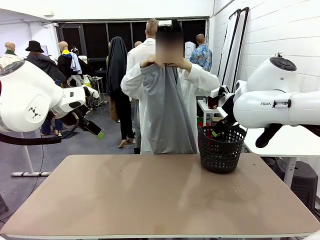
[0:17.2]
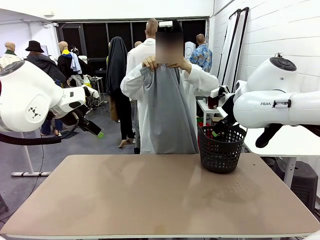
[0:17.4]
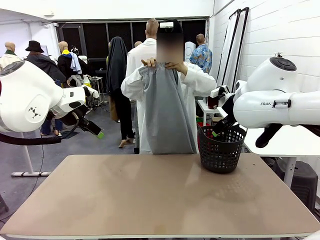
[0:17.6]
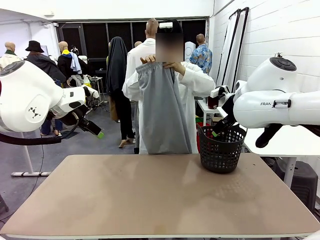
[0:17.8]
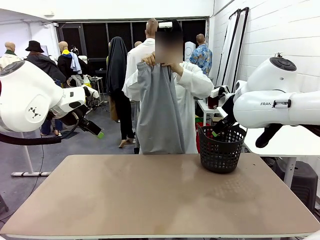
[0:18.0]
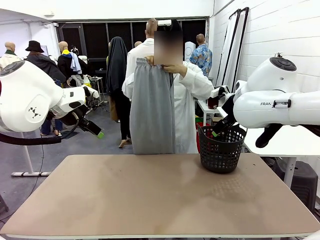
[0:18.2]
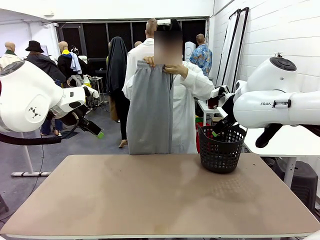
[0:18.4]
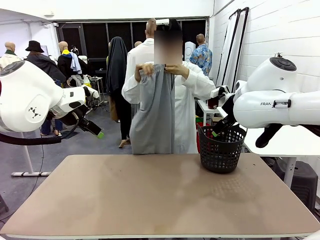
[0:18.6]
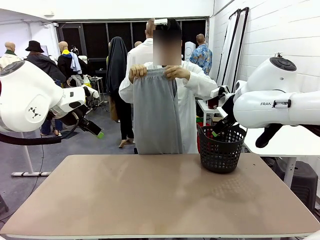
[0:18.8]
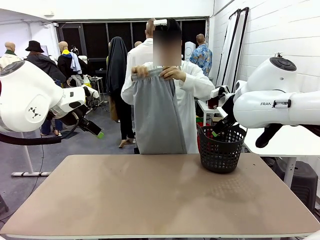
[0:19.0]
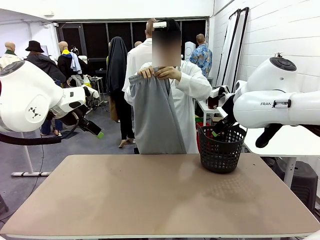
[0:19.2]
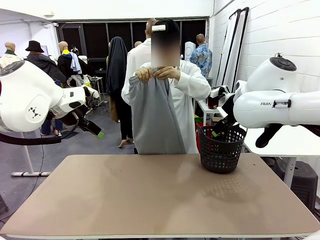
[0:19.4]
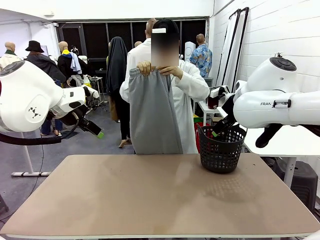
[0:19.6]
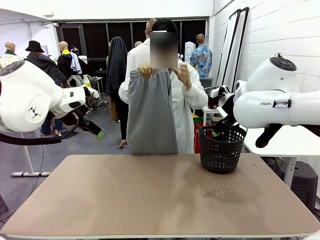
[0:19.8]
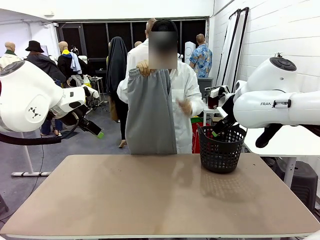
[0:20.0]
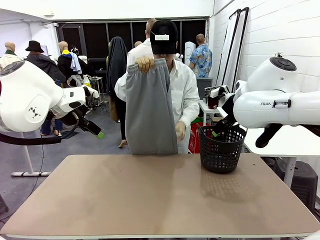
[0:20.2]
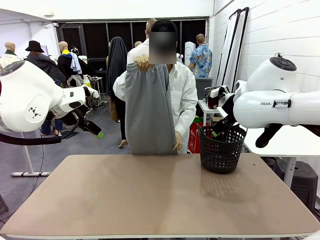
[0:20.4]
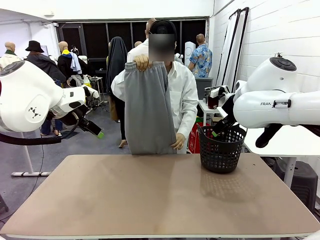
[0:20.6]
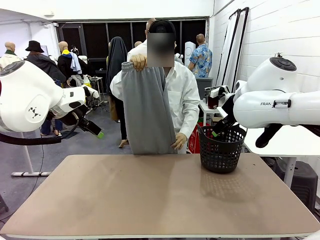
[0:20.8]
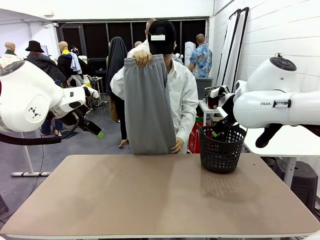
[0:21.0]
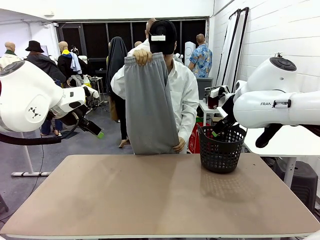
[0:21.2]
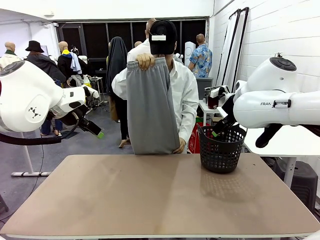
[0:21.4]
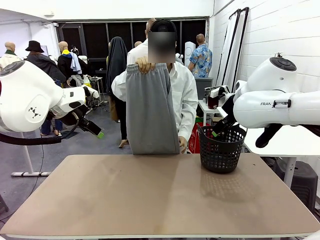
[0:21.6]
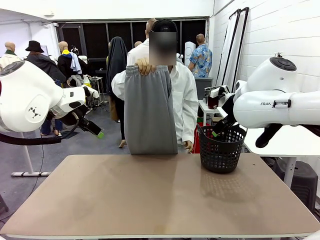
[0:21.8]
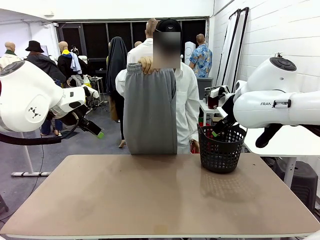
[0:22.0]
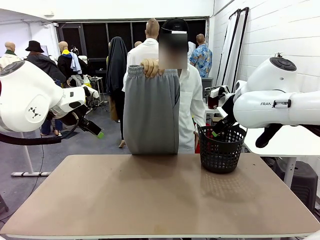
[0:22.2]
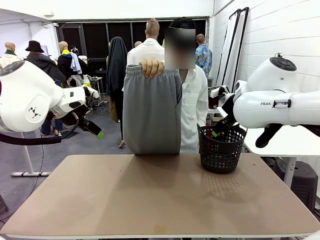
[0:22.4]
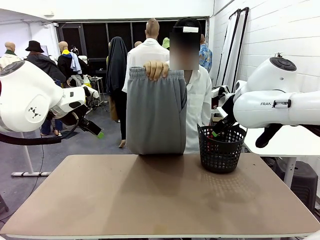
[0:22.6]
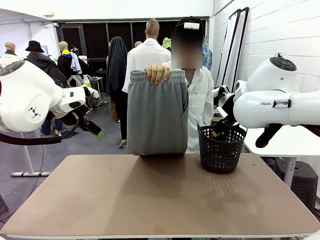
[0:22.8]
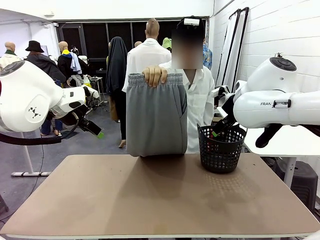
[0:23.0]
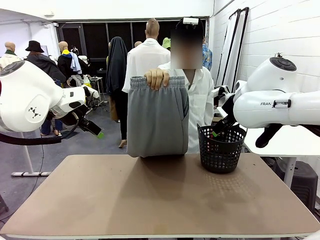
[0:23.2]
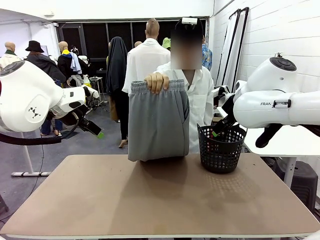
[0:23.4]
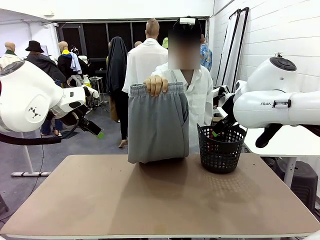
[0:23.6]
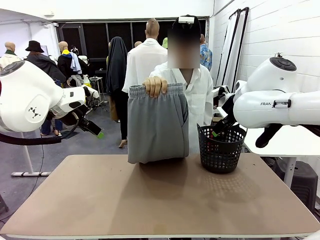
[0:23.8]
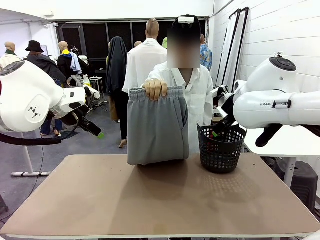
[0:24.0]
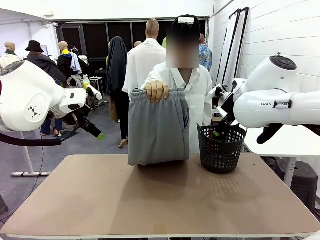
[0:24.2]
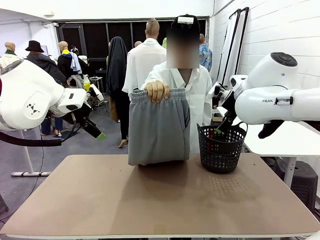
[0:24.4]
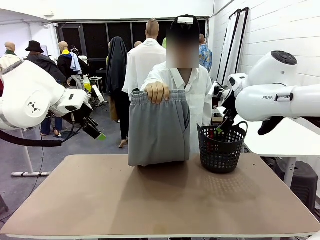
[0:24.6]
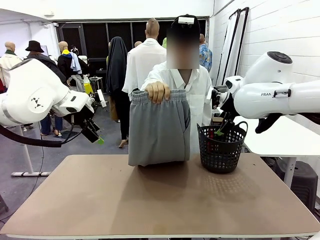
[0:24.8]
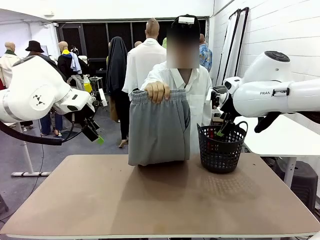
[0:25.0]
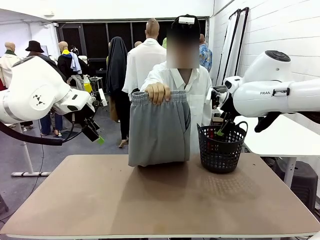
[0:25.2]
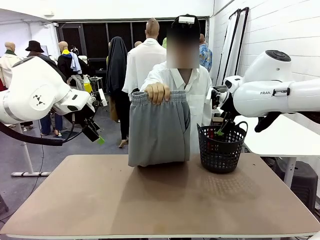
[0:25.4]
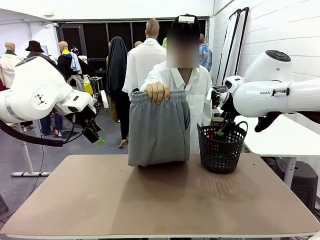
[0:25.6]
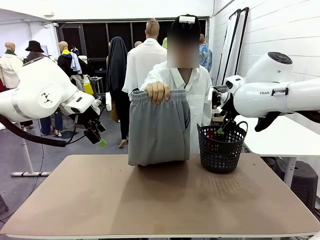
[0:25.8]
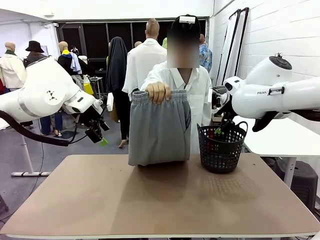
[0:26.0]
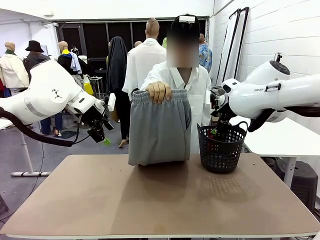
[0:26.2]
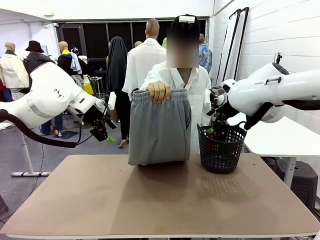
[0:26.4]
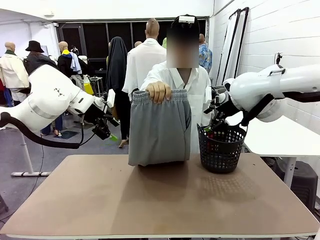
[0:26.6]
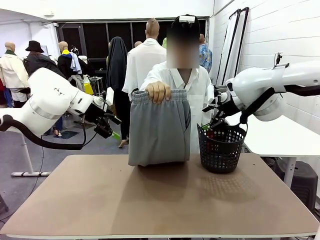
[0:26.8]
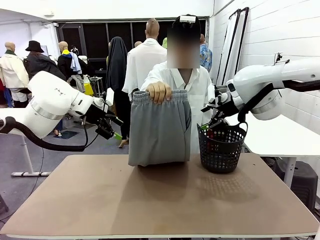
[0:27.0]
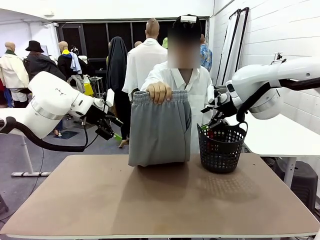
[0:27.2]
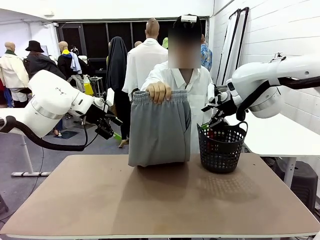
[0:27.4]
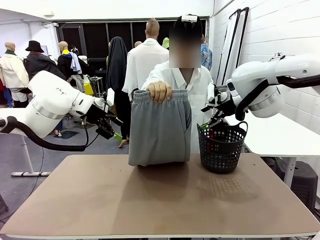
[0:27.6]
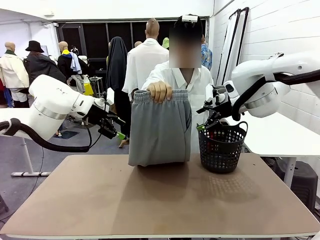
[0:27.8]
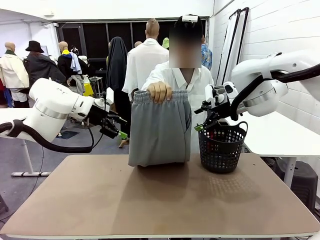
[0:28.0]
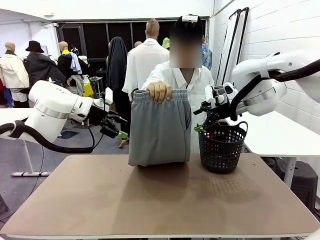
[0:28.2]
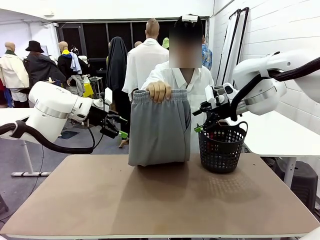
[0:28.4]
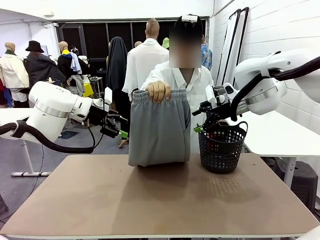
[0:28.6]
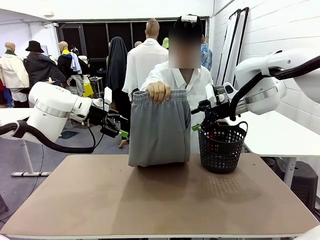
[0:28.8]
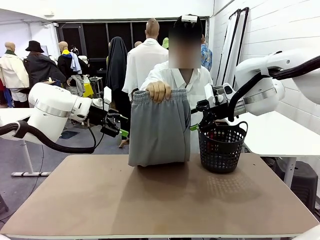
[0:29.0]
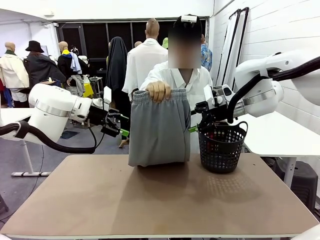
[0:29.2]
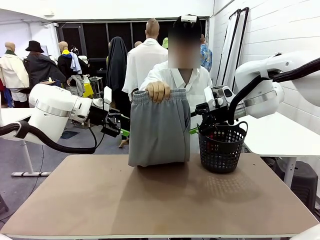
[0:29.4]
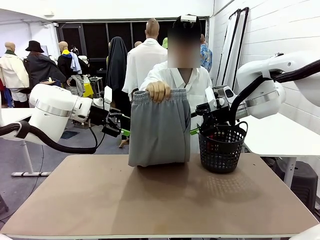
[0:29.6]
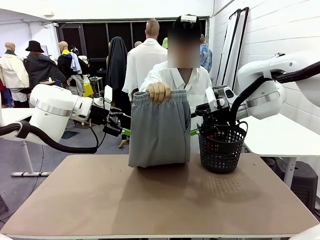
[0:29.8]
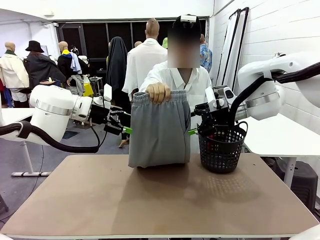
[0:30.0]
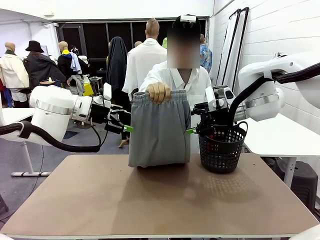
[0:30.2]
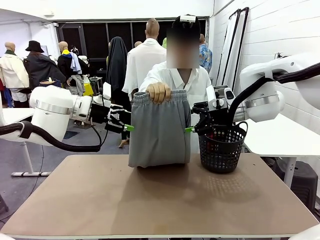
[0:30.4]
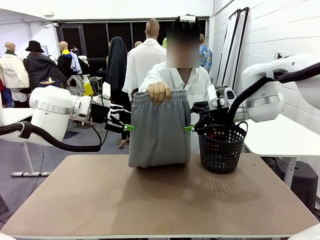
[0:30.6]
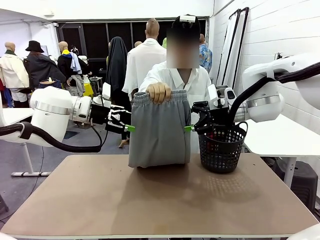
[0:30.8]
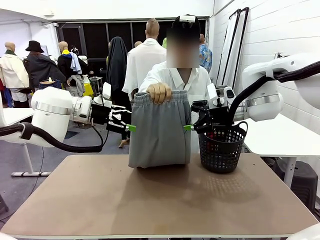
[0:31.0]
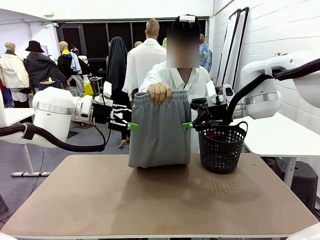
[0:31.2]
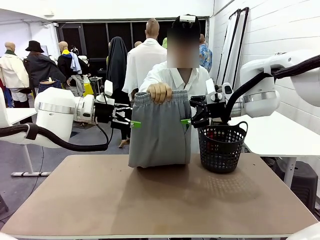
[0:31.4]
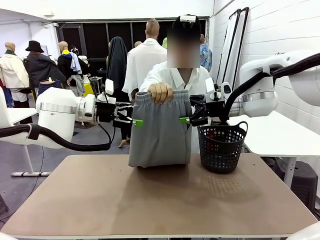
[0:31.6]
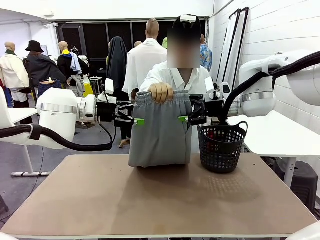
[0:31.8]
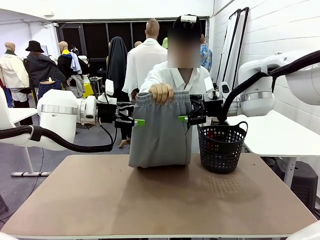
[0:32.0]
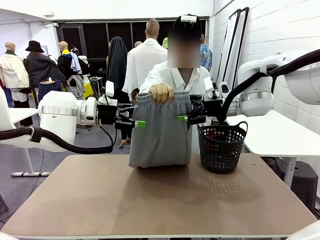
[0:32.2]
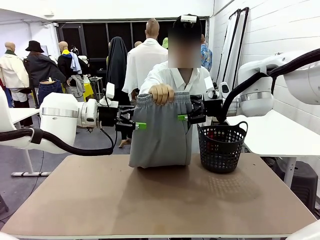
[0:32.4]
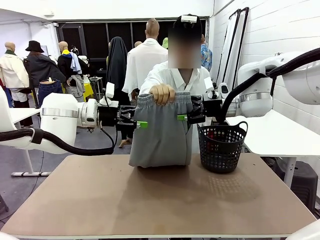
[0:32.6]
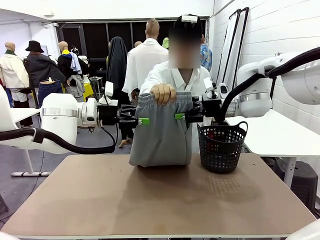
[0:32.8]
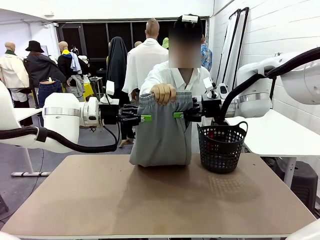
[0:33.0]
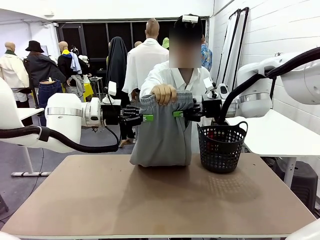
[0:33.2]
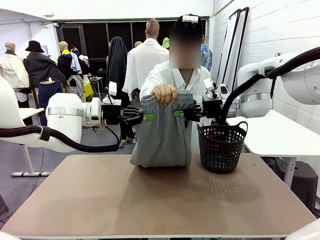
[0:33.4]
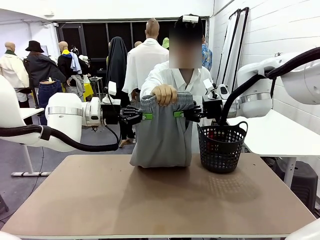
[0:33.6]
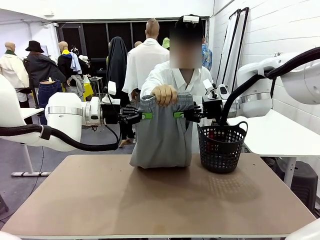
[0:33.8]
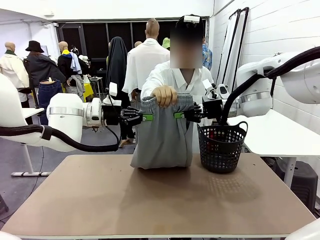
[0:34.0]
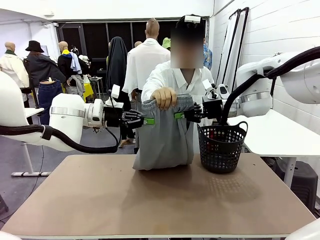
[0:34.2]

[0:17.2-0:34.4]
Task: Fold the training pants.
Robot: Grab both ends of the Training pants handed by a person.
